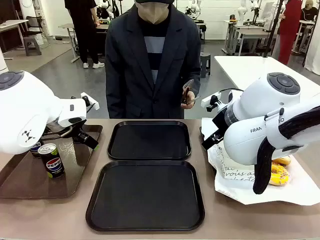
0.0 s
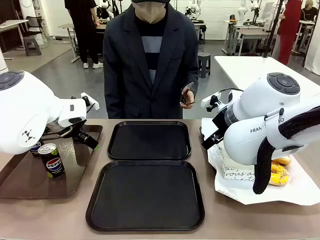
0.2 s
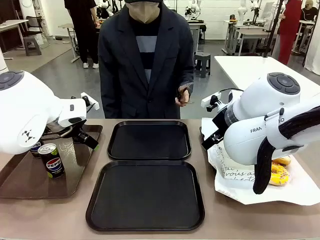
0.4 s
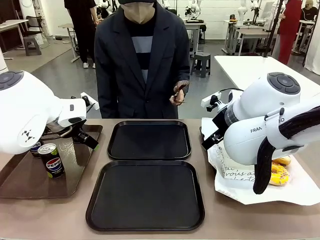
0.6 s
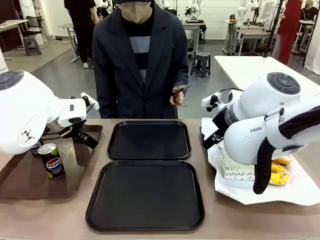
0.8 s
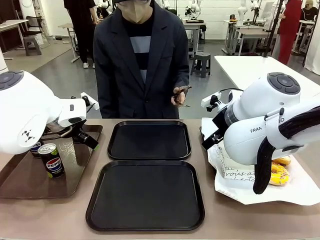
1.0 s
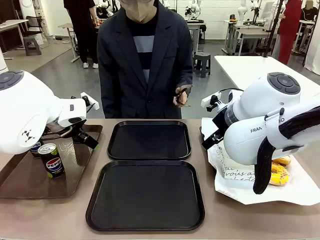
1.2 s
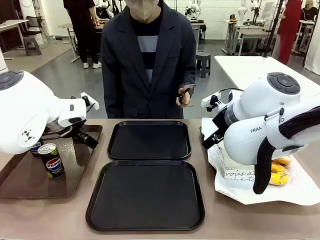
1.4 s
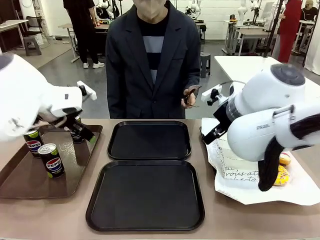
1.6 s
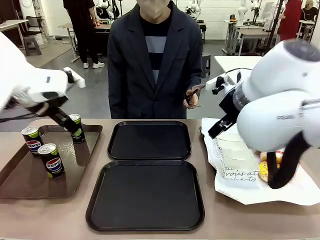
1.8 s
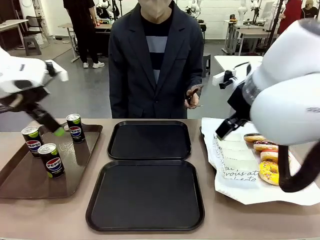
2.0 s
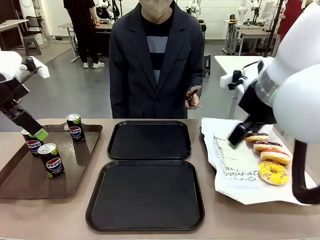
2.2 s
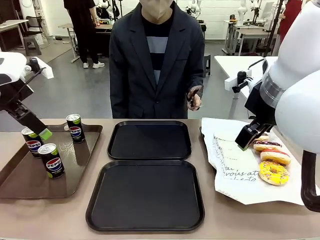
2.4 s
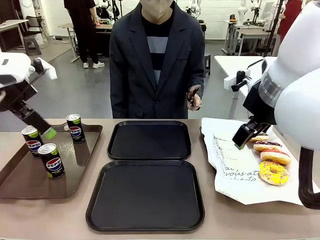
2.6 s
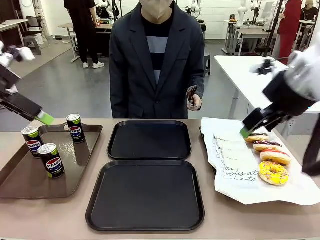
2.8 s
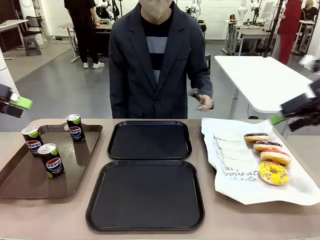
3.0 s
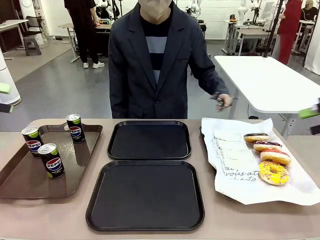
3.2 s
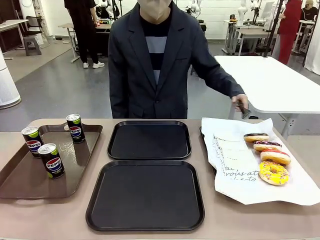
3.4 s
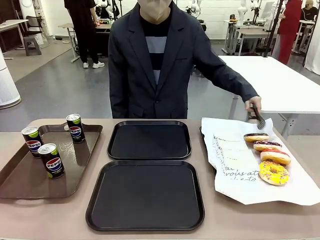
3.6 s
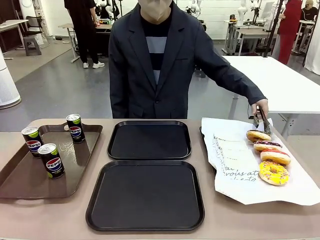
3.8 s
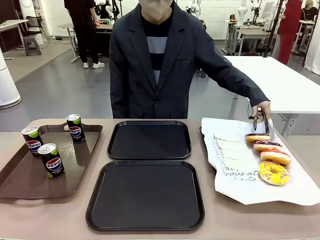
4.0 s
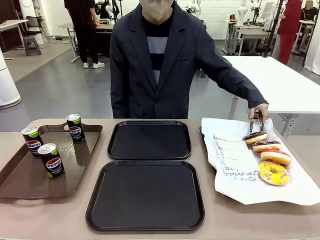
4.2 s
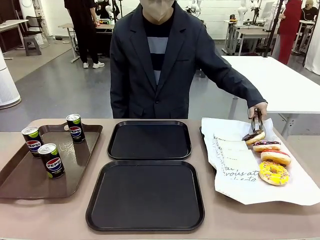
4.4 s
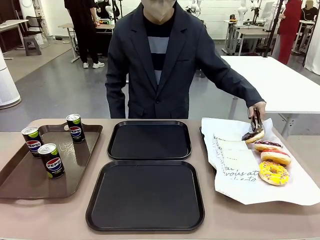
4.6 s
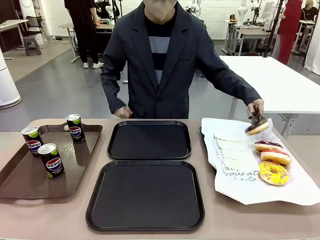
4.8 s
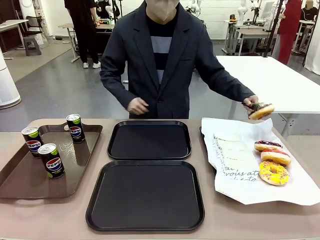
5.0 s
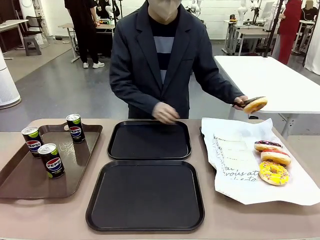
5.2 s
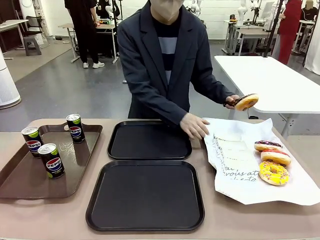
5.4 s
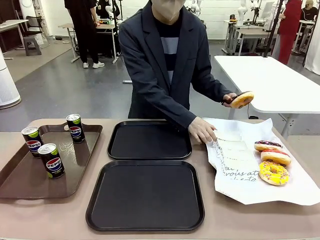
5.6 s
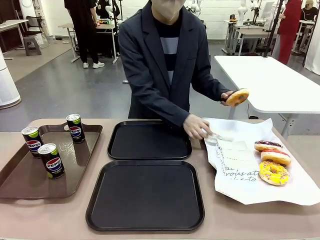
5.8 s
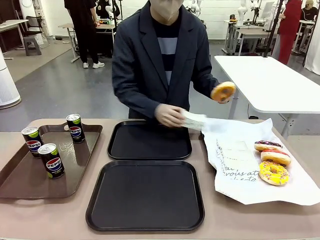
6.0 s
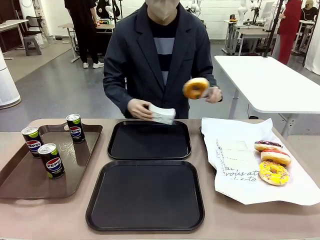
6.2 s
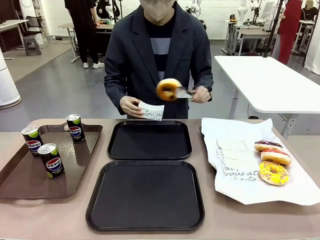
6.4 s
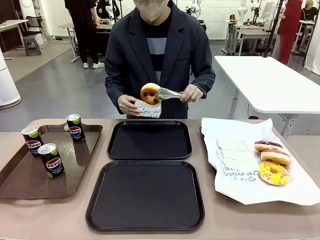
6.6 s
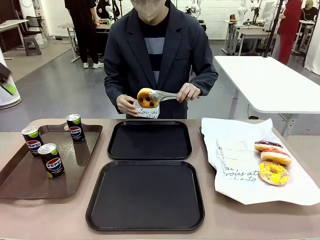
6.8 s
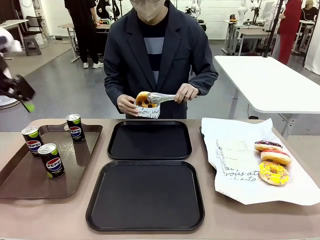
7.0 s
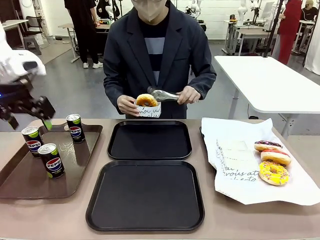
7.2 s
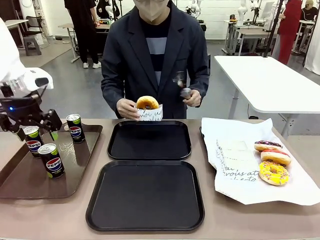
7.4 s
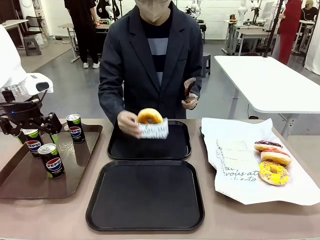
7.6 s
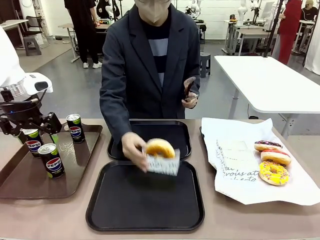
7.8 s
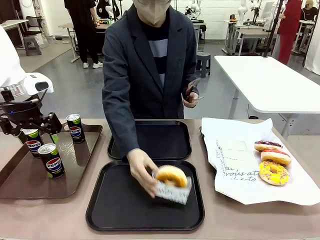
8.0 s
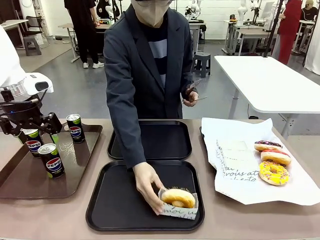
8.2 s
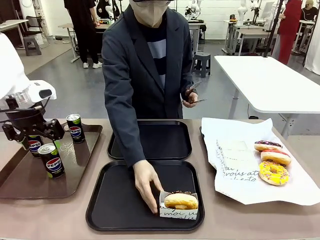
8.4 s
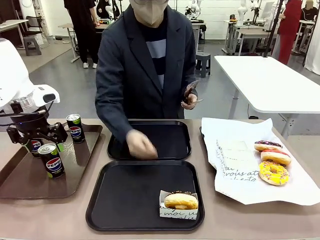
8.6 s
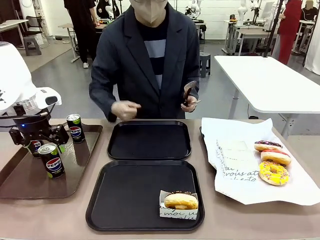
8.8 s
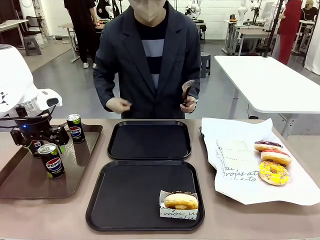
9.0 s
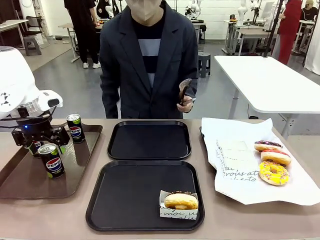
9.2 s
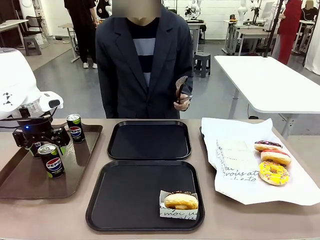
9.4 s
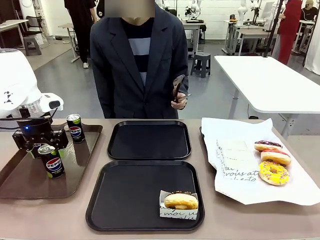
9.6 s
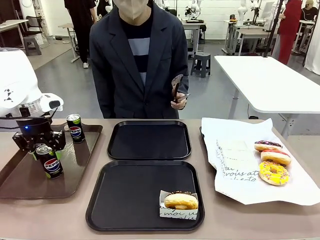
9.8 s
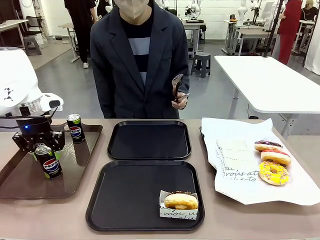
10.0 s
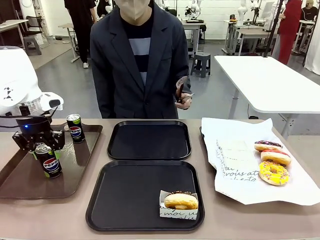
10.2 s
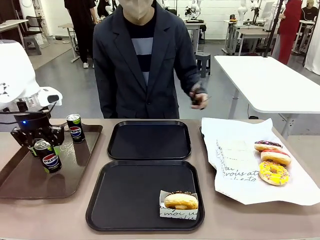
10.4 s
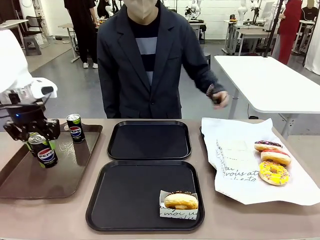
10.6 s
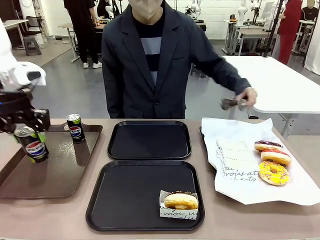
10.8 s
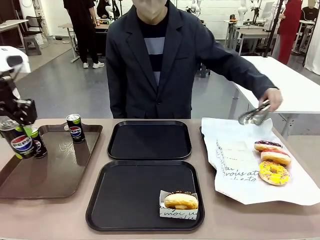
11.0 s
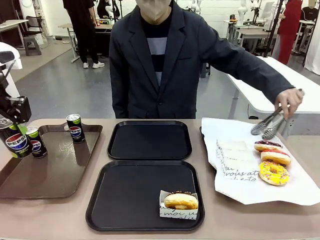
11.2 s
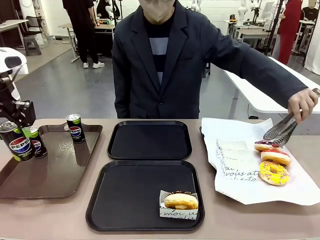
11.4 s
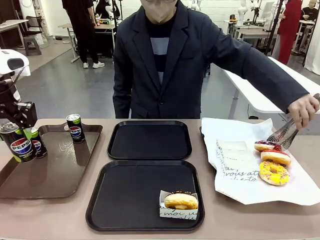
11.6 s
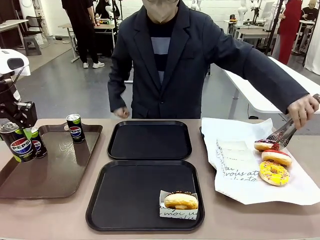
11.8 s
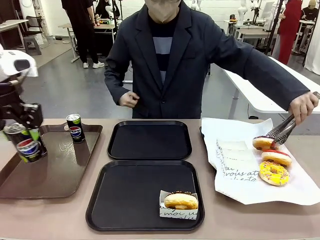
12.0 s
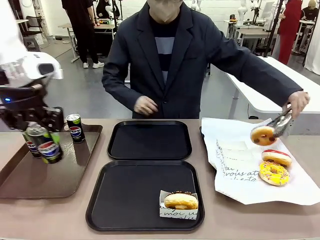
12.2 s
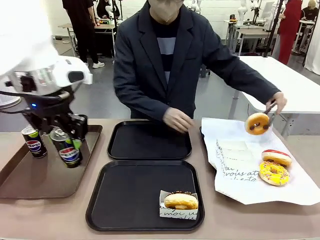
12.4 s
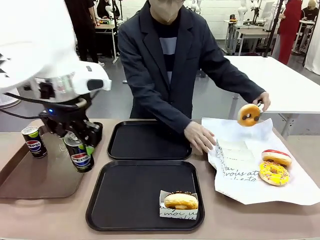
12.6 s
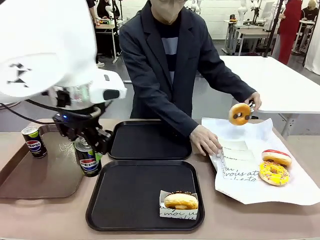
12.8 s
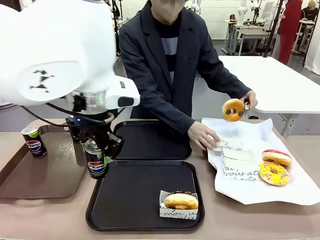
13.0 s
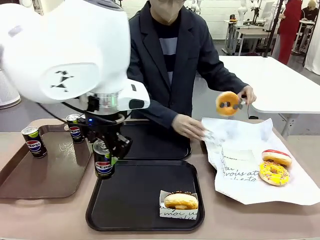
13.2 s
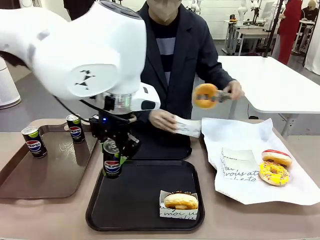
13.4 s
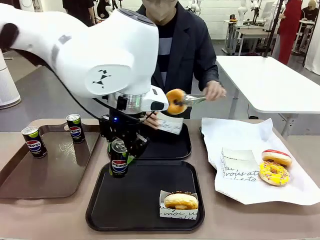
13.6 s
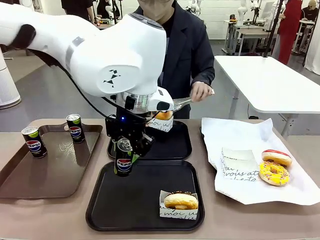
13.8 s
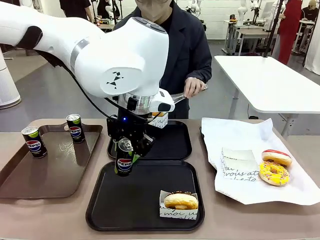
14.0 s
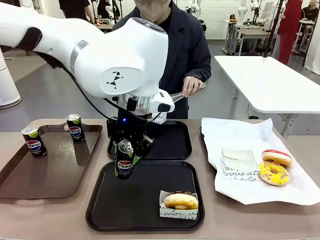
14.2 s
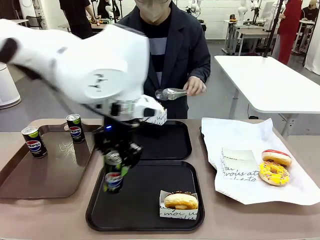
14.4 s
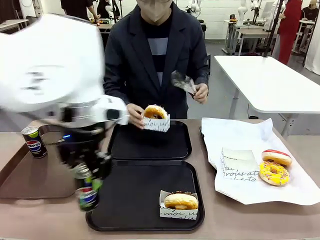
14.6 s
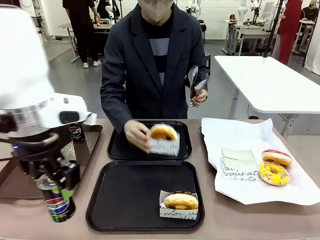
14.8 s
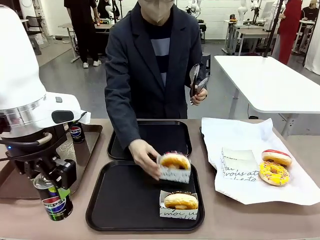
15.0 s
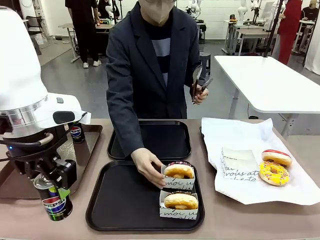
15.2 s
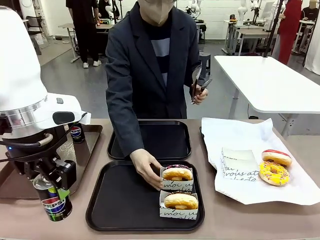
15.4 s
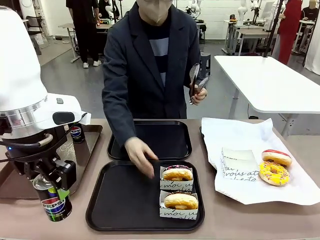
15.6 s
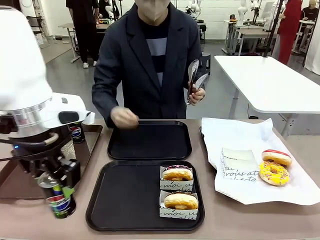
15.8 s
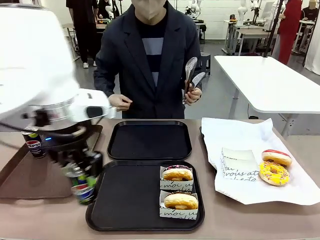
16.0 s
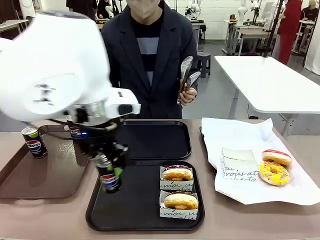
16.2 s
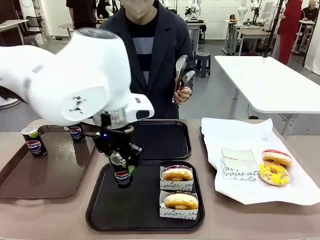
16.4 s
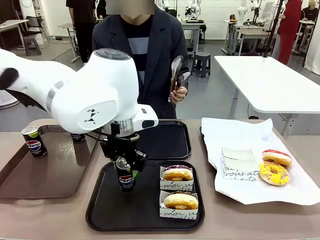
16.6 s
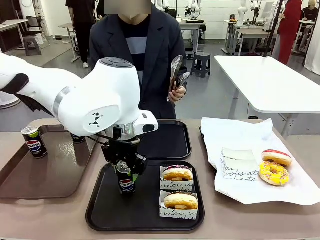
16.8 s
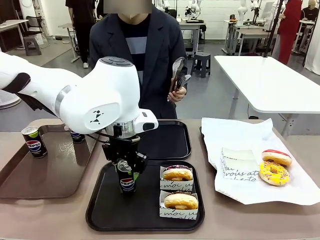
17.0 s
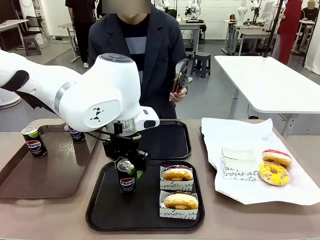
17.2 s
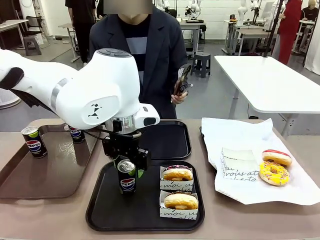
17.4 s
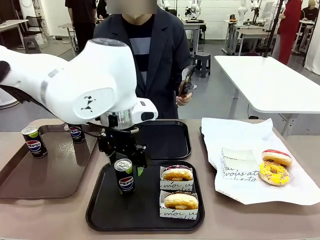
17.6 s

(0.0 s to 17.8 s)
Task: Set up donuts and drinks on trays.
Robot: Pick up one Pepsi coke and place it on the Flat Tray.

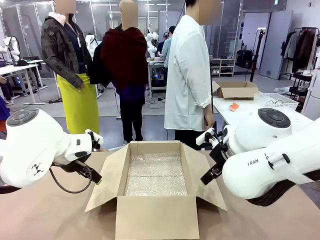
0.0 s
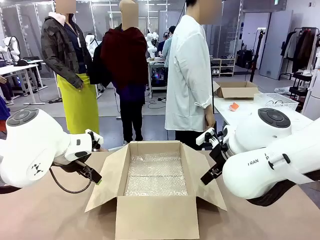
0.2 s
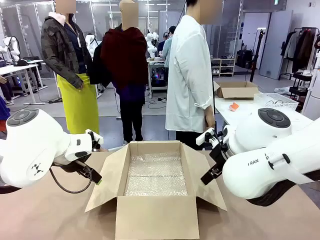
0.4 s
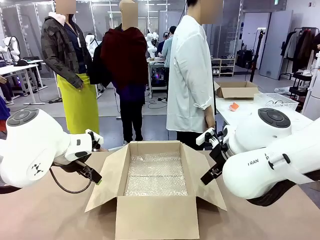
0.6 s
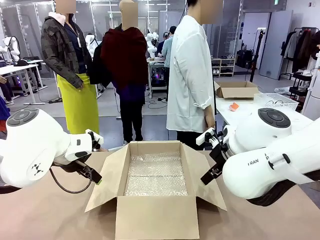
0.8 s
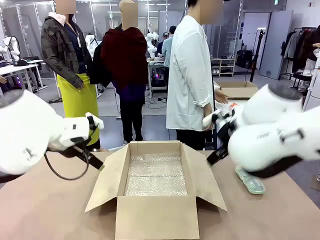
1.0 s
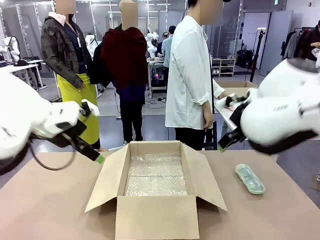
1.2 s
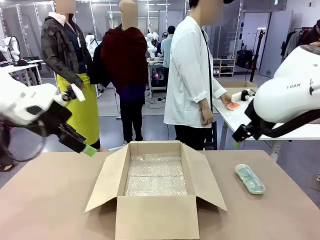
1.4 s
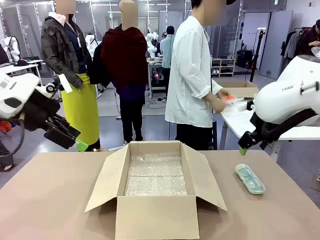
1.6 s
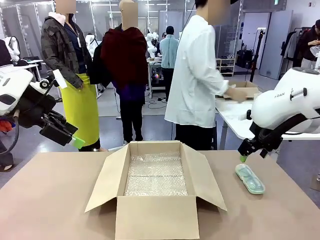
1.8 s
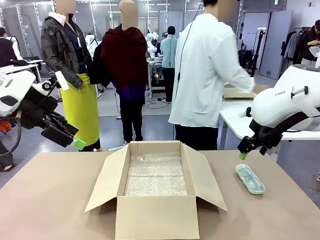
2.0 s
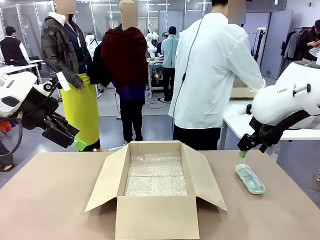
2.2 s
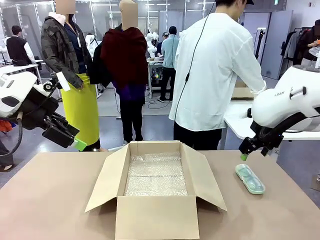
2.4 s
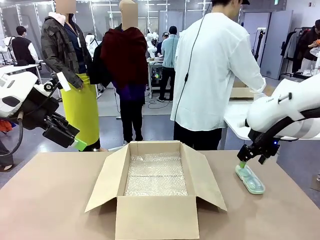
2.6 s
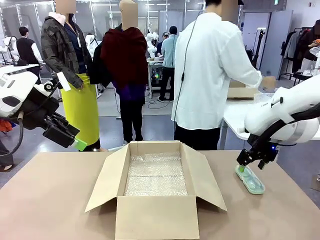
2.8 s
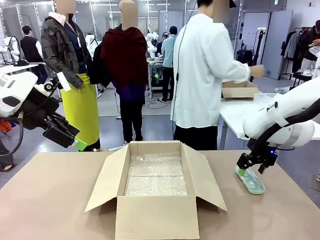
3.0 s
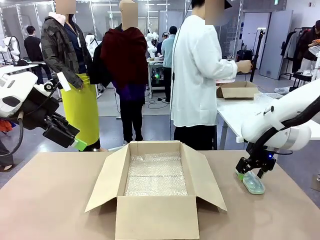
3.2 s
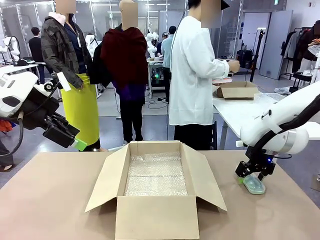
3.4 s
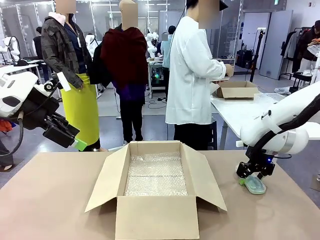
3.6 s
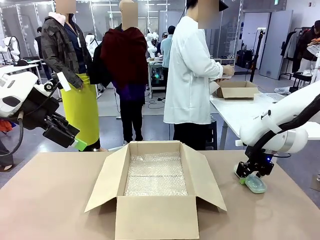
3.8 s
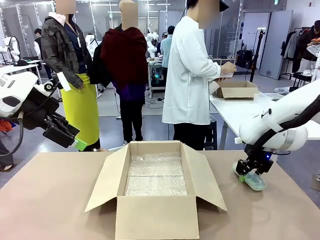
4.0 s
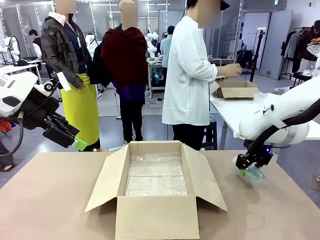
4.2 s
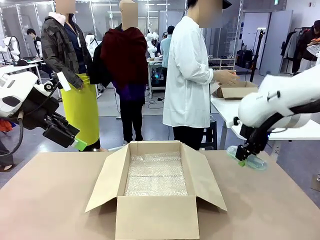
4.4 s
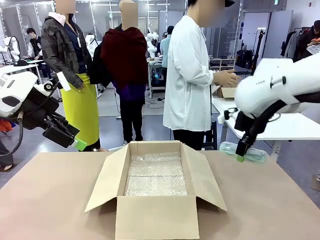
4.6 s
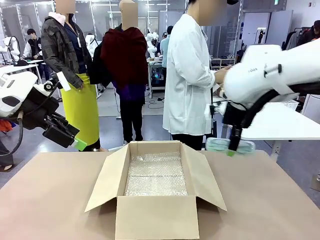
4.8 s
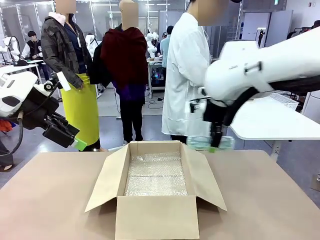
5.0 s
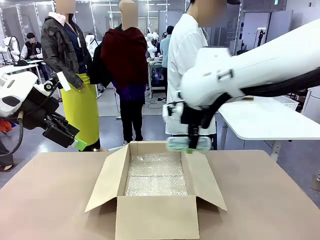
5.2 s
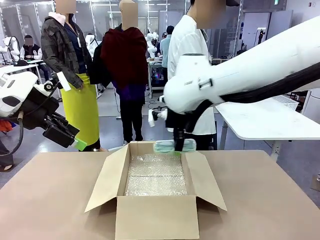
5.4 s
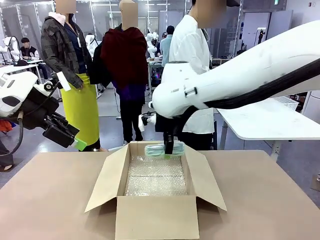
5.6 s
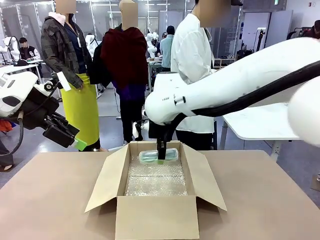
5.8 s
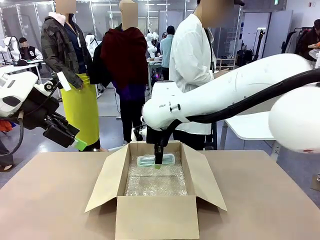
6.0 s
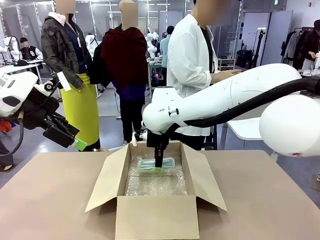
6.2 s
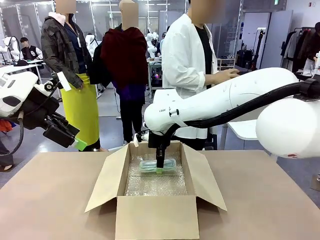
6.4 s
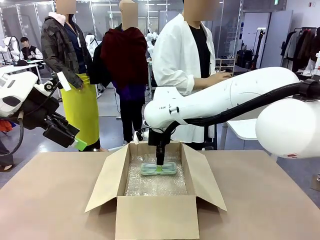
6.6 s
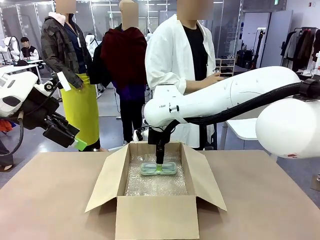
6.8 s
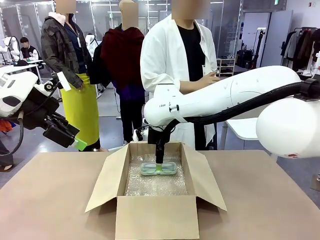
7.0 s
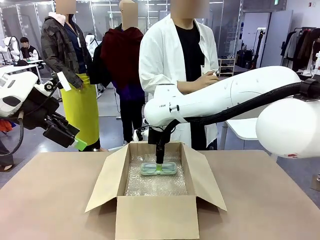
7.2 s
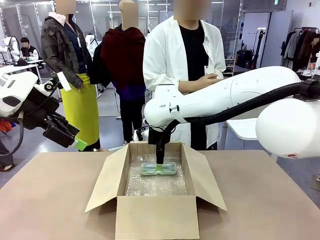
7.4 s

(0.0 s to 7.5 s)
Task: Pack the glasses set securely to prepare it for shipping.
Robot: Place the Glasses case inside the Package Box.
Person: Place the Glasses inside the Glasses case.
